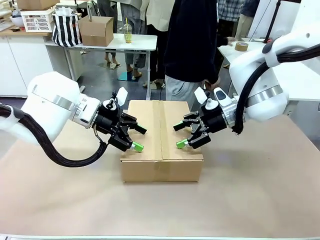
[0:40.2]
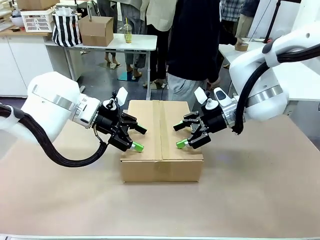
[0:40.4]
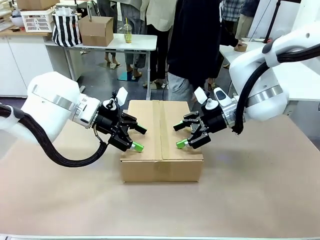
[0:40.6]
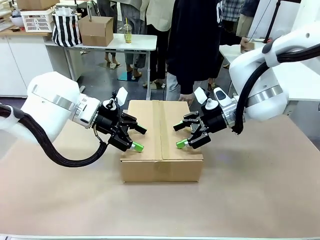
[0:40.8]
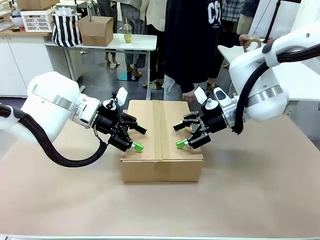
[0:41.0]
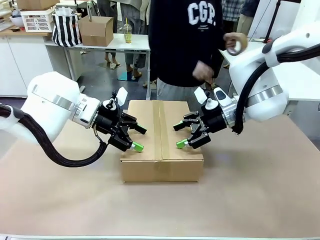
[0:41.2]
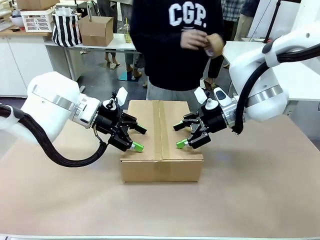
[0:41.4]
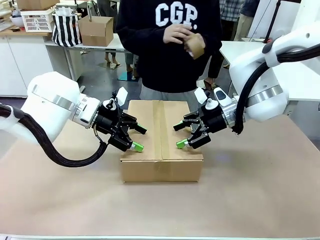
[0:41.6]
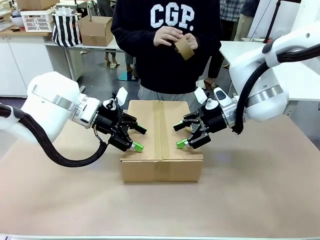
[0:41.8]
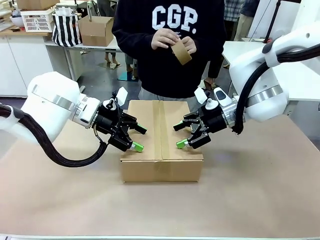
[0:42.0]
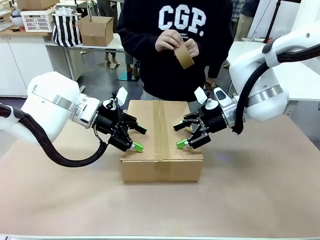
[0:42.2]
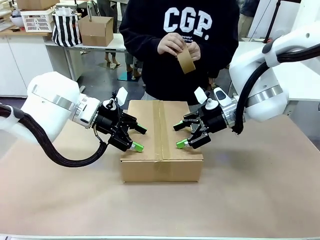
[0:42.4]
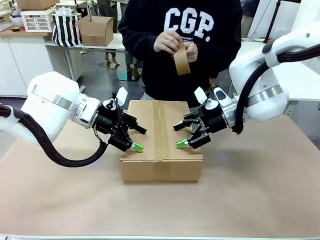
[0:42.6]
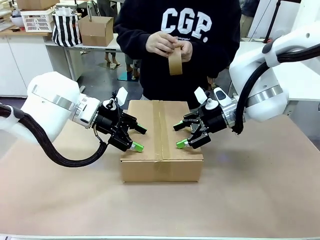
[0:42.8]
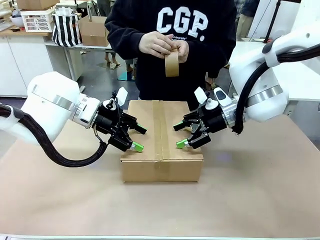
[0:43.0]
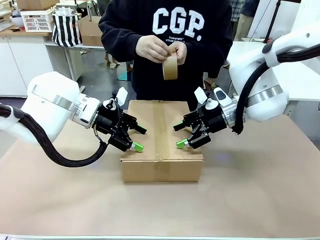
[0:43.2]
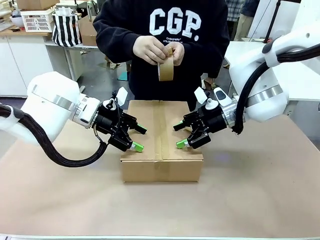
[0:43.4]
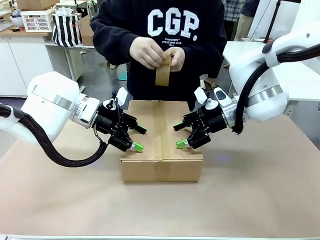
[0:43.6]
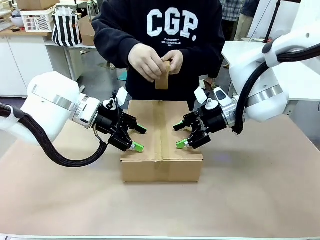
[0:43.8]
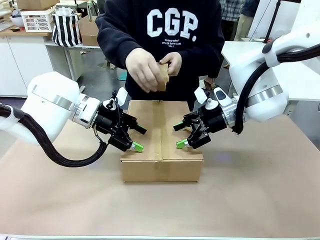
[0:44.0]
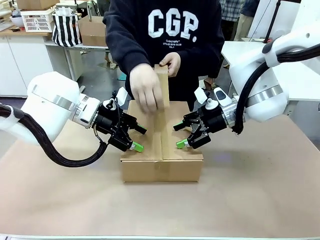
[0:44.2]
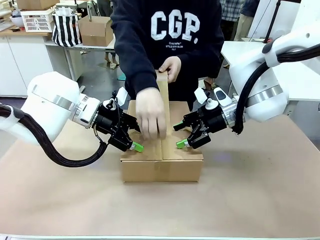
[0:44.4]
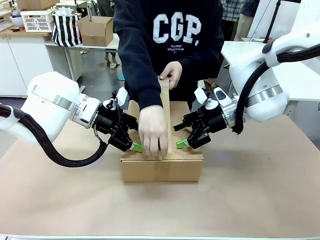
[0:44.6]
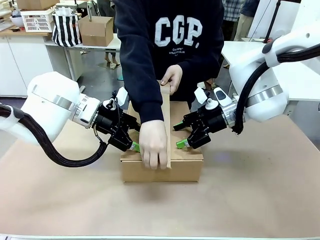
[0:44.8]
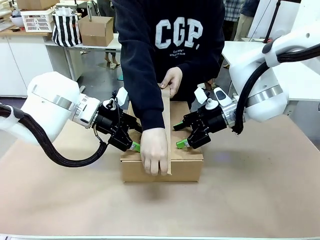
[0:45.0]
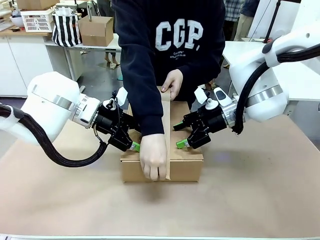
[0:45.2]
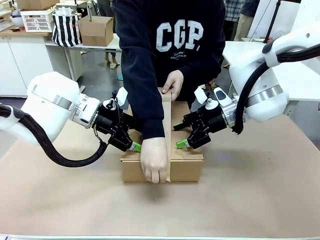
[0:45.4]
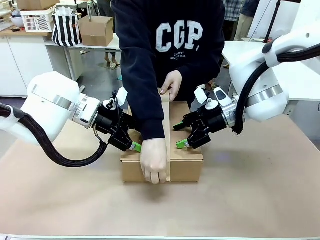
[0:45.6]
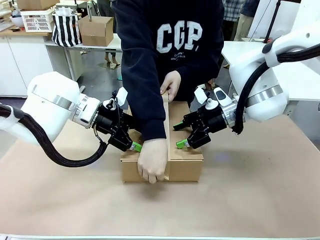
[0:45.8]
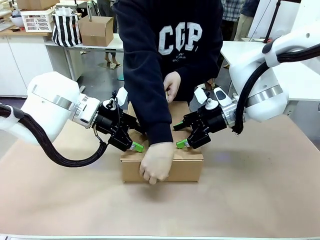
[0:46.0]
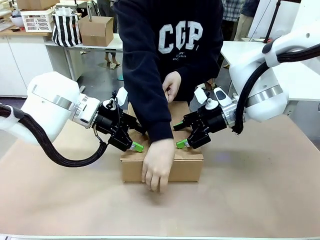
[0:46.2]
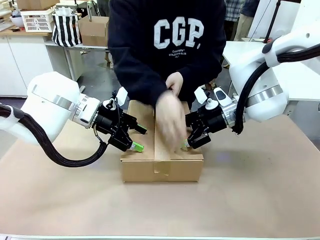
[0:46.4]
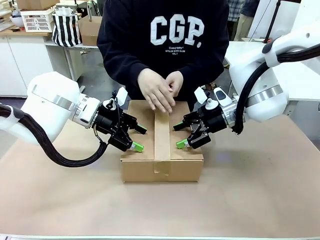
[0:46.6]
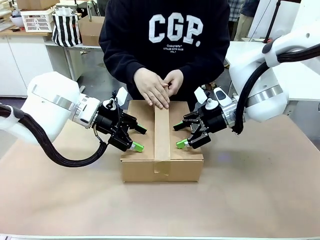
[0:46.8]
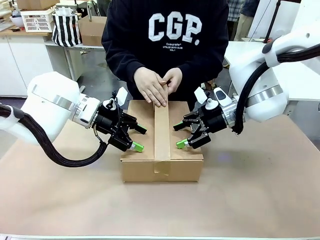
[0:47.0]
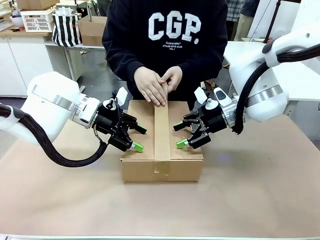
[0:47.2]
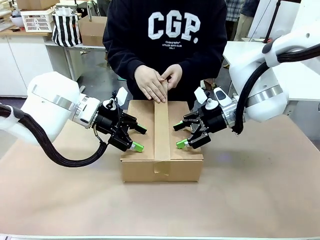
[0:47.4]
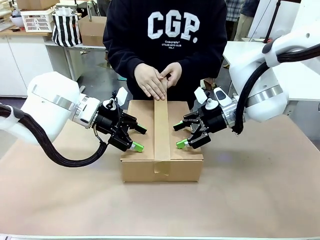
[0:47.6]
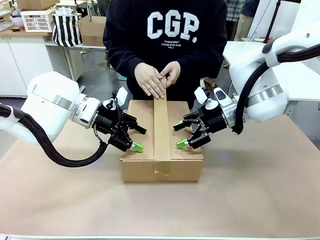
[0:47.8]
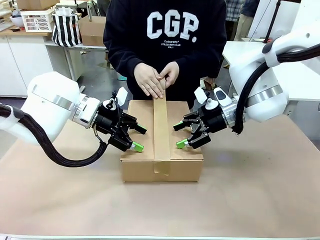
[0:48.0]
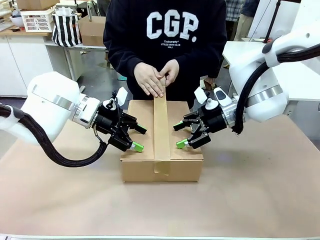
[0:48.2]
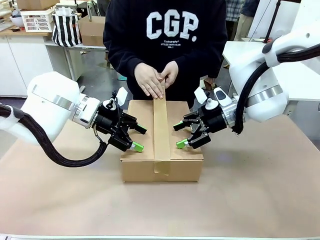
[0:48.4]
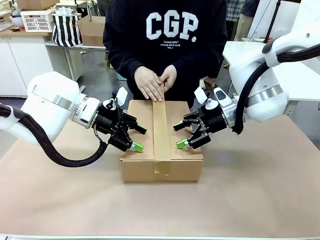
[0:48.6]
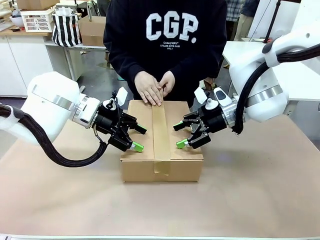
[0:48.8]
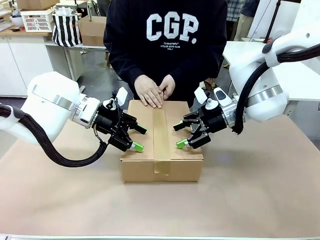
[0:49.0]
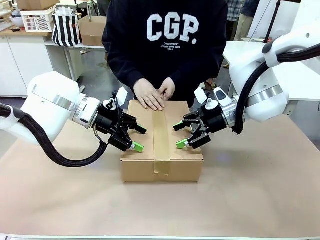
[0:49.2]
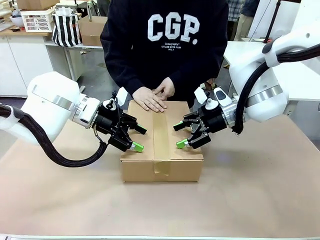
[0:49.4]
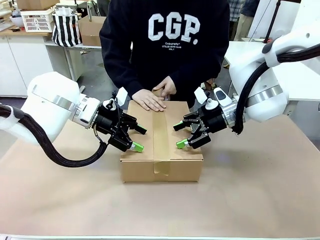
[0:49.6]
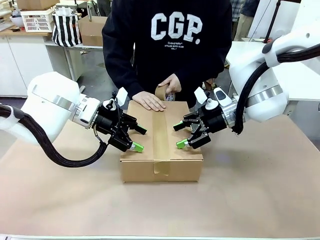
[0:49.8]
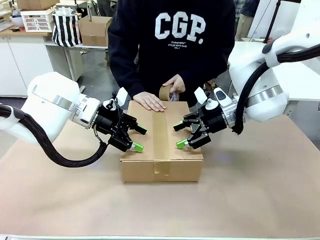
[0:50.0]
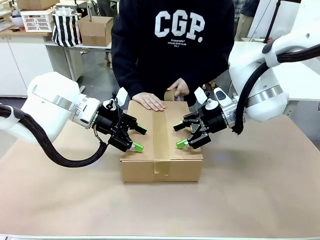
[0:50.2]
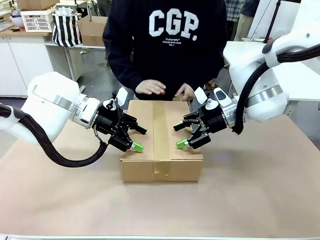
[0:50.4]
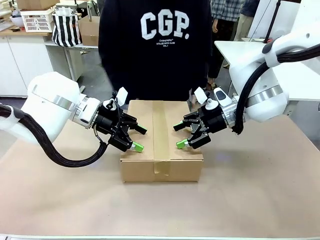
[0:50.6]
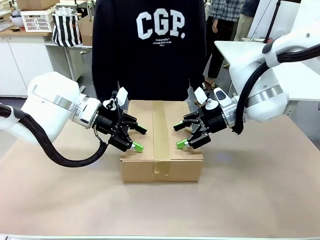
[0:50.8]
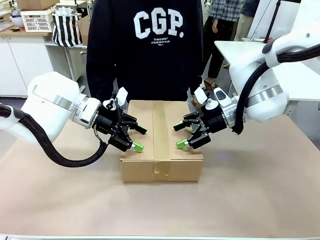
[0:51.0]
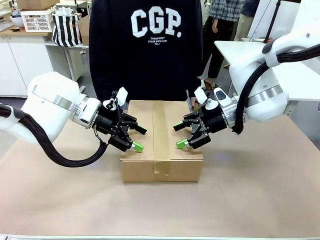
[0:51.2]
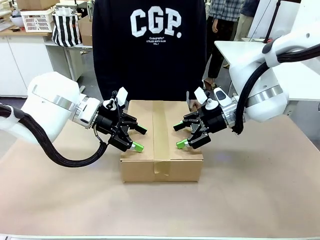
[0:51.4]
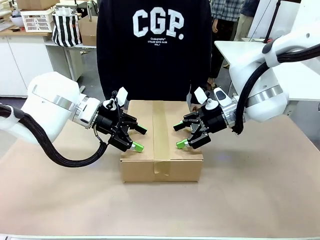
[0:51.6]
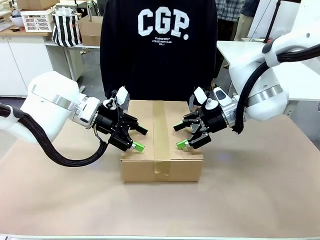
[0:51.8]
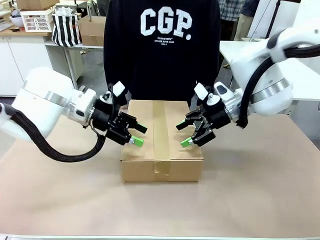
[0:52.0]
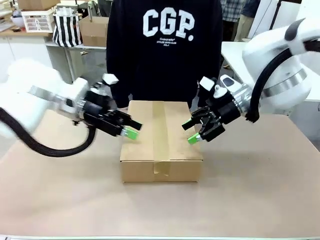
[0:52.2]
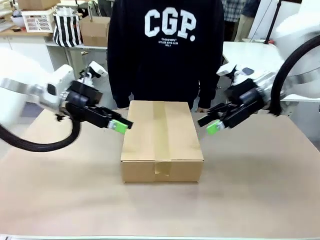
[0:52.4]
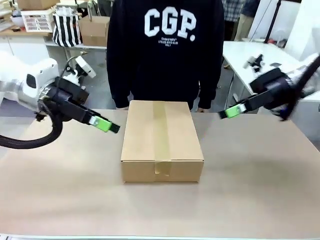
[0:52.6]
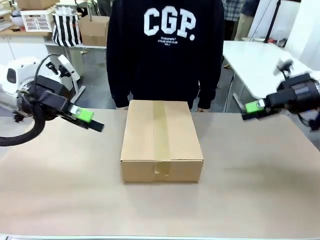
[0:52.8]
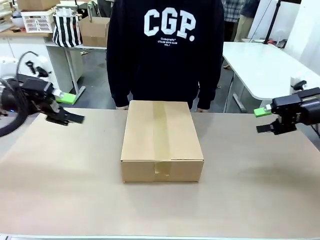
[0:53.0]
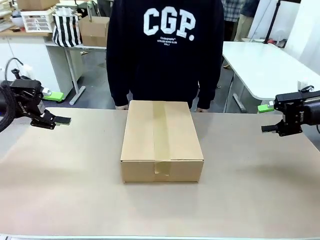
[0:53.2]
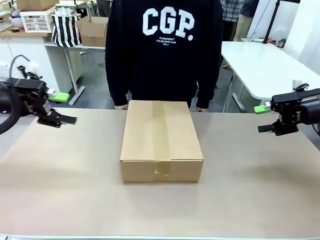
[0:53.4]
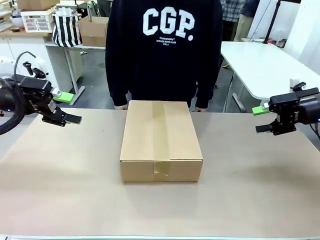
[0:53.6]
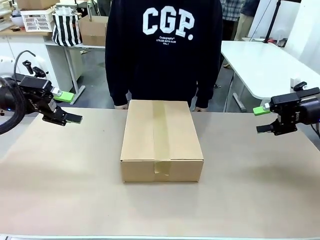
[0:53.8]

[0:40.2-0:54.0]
Task: Pack the gift set into the box.
Robot: Press and hold the closed box until the human finishes sealing it.
Person: The human picks up the paper tape from the human table and packs the box.

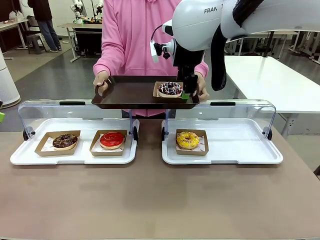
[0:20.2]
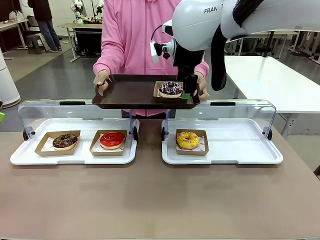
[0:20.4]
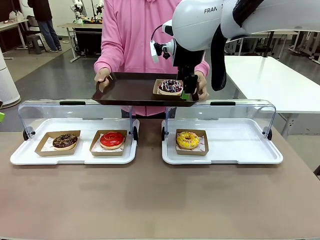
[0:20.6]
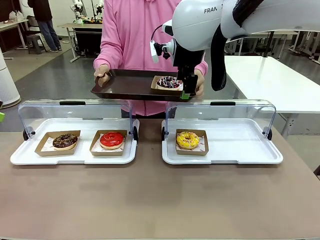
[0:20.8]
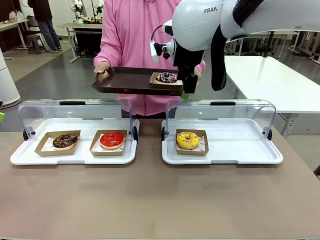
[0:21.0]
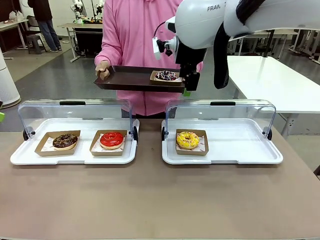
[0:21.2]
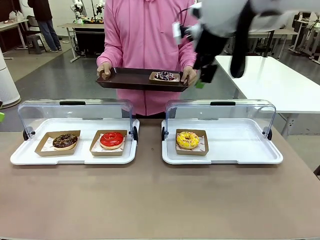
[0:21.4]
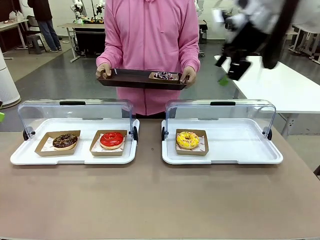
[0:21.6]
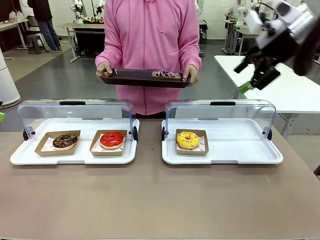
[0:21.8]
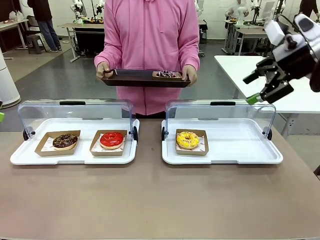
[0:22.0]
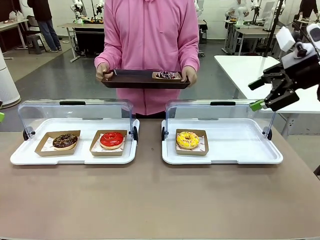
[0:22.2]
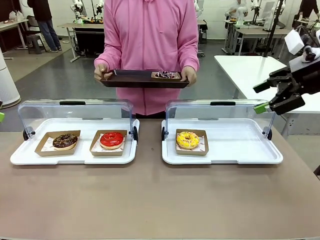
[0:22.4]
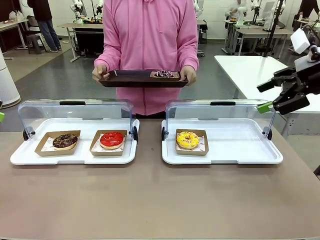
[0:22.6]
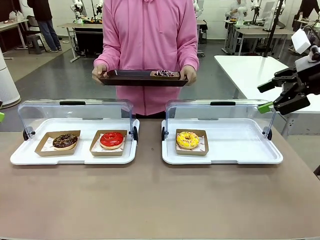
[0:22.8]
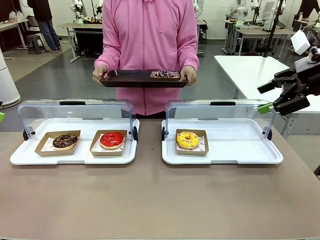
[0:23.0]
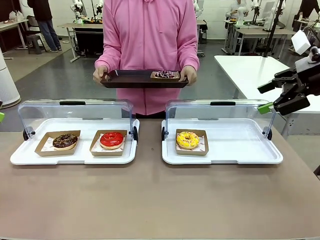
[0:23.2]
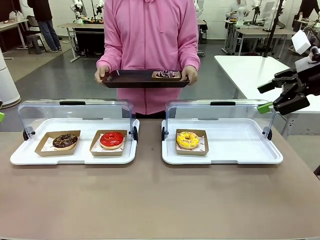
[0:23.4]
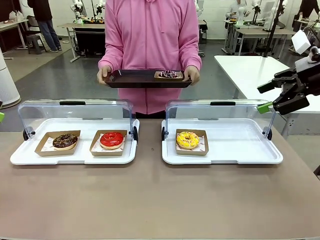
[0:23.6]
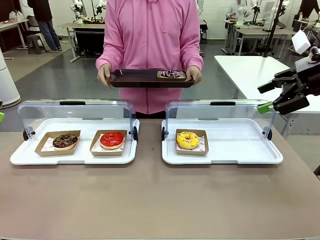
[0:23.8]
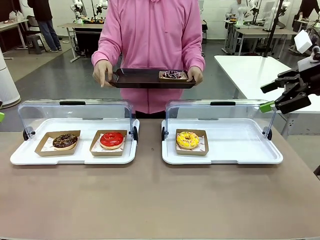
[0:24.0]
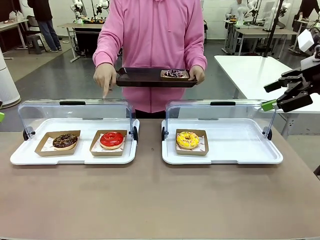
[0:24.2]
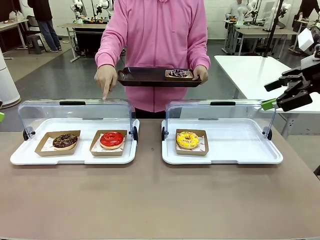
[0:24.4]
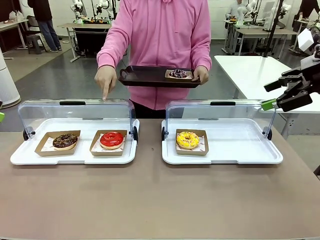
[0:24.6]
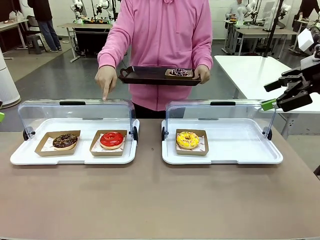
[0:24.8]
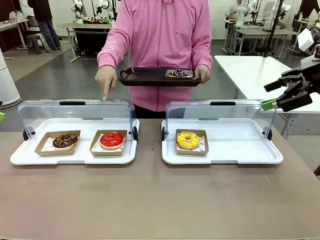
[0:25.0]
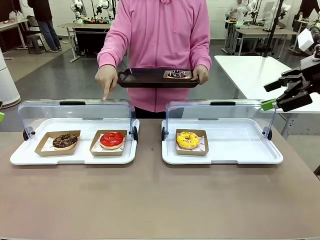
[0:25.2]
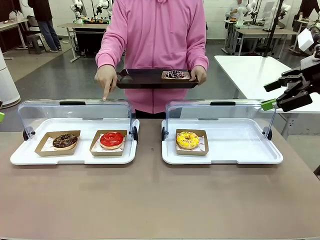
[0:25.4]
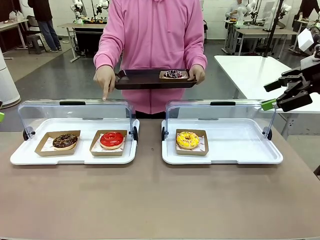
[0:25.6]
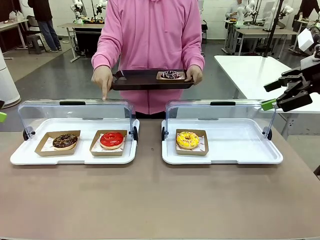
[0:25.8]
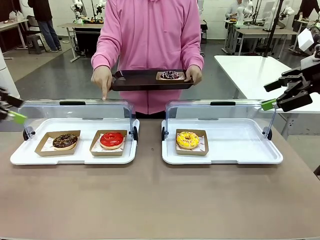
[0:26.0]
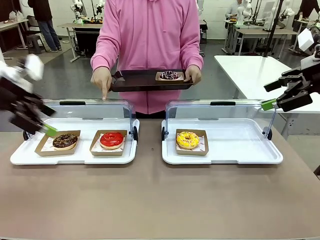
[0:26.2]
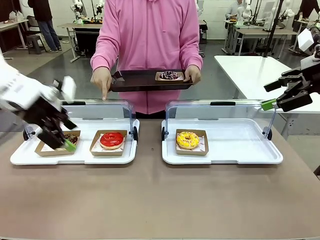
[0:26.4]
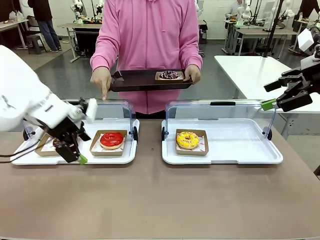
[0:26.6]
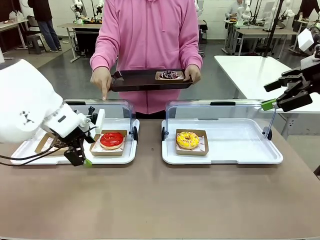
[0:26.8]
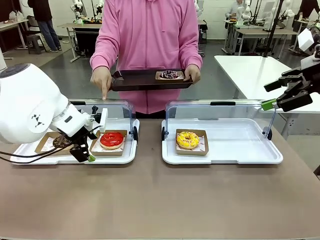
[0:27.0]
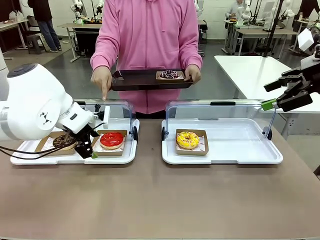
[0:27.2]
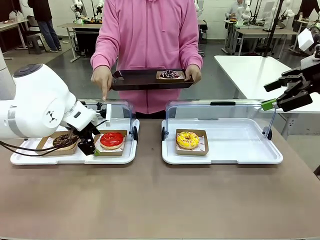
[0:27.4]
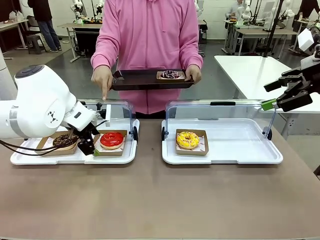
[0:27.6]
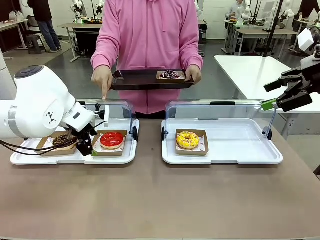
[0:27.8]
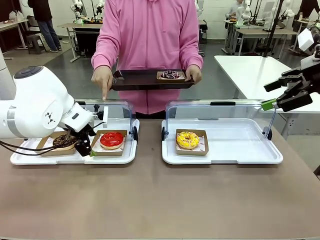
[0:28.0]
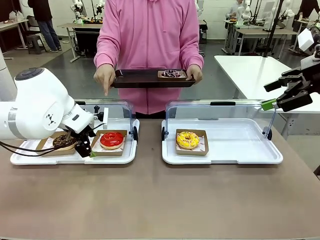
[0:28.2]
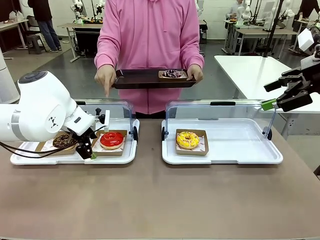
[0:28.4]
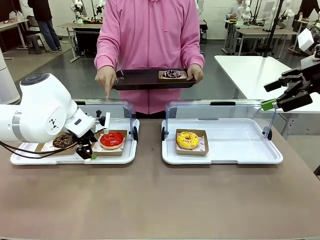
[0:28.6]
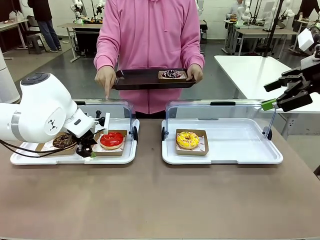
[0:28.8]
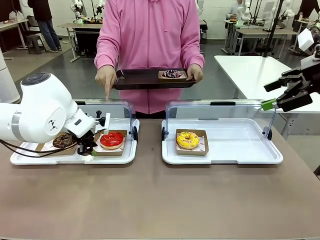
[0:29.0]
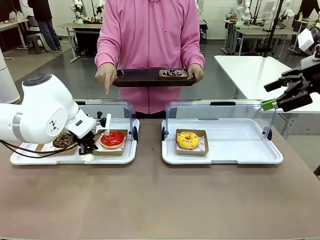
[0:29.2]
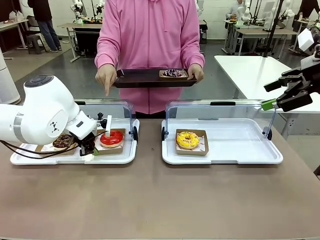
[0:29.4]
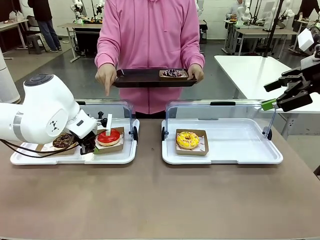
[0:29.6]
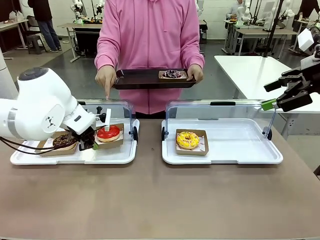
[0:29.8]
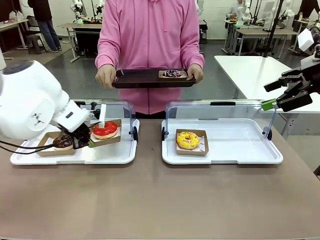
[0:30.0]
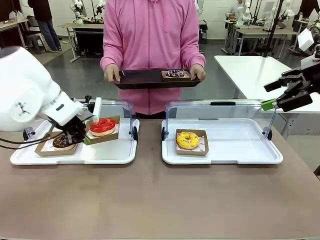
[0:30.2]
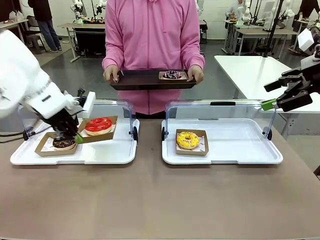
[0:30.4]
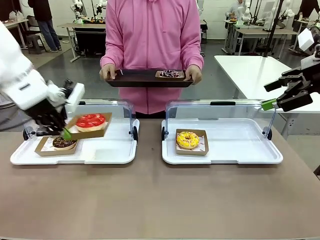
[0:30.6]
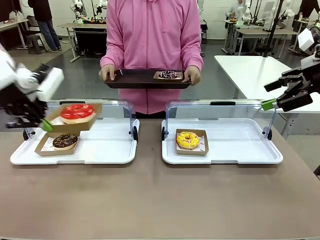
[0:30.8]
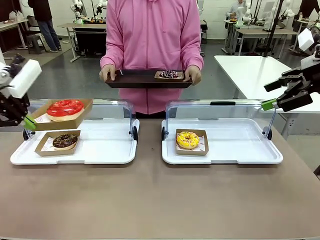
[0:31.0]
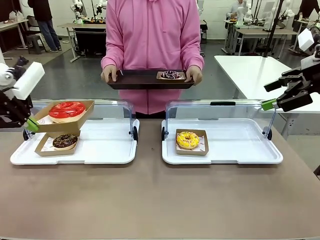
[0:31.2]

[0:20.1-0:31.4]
Task: Provide the desired donut to the person.
Robot: Pick up and lift the Paper togo box containing the Donut pointed at by the person.
Person: Lift the tray onto the Roll-Top Bakery Case.
